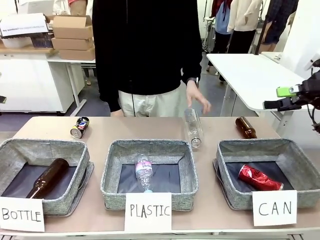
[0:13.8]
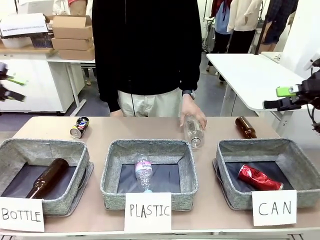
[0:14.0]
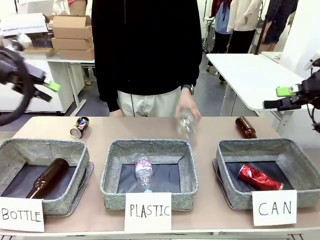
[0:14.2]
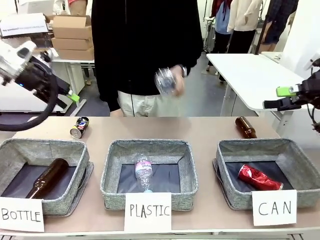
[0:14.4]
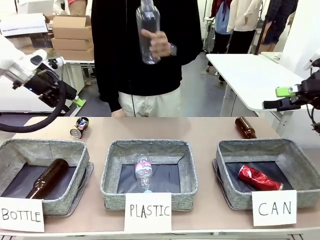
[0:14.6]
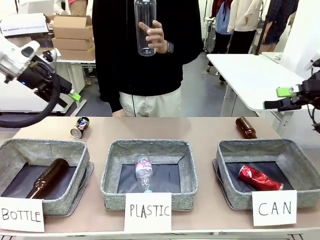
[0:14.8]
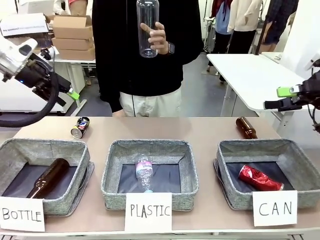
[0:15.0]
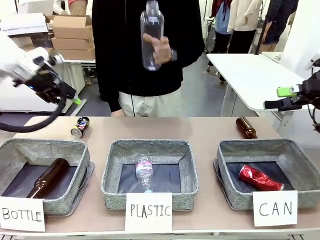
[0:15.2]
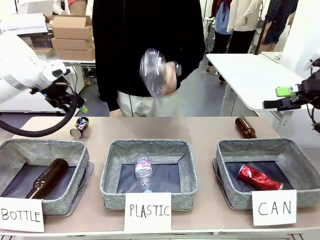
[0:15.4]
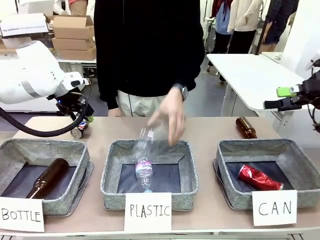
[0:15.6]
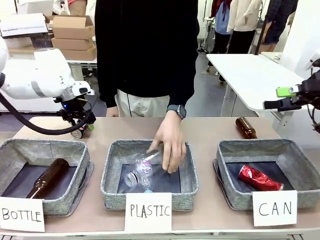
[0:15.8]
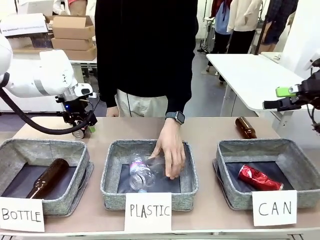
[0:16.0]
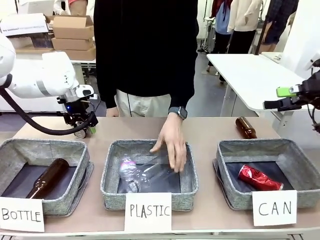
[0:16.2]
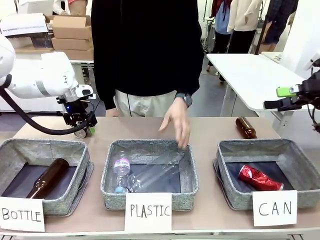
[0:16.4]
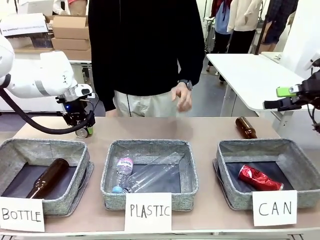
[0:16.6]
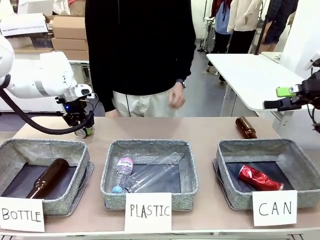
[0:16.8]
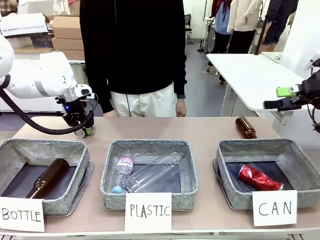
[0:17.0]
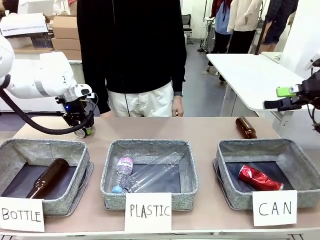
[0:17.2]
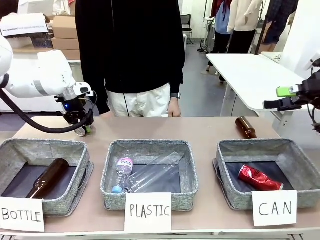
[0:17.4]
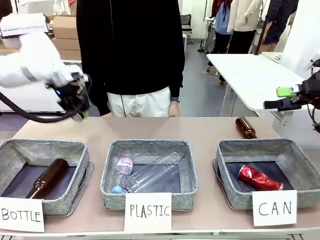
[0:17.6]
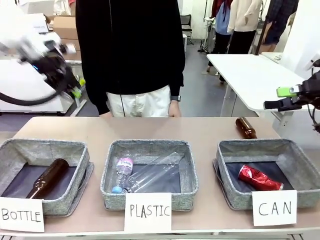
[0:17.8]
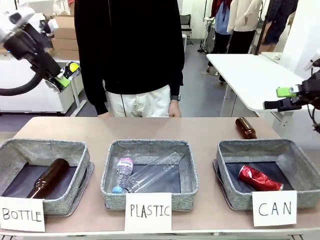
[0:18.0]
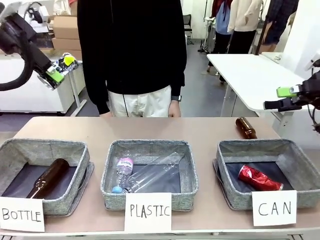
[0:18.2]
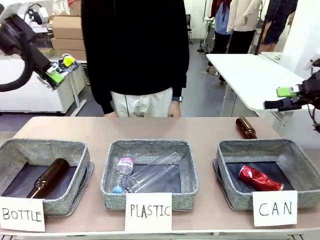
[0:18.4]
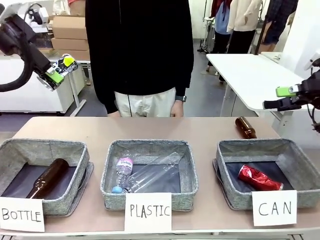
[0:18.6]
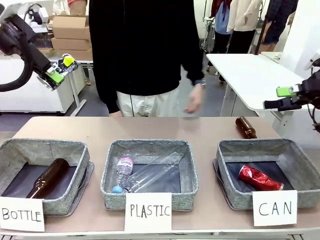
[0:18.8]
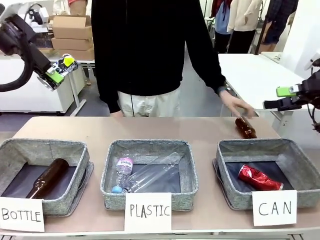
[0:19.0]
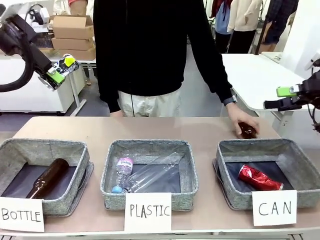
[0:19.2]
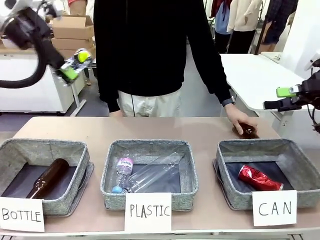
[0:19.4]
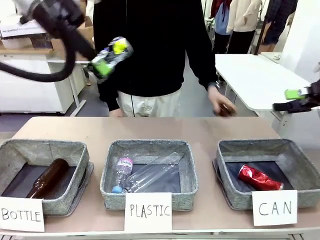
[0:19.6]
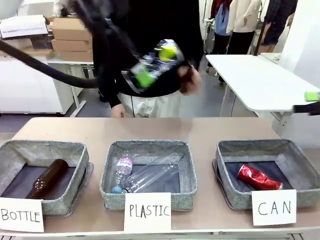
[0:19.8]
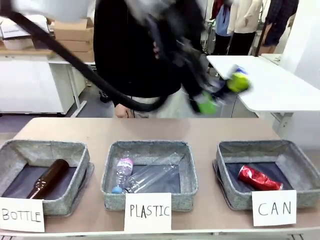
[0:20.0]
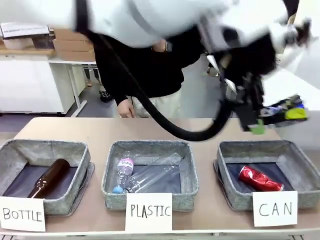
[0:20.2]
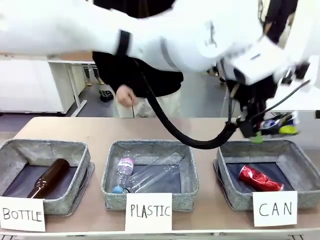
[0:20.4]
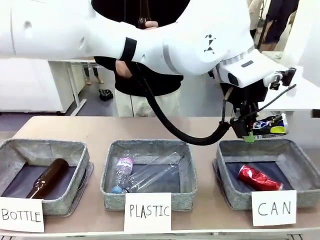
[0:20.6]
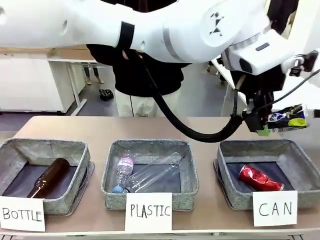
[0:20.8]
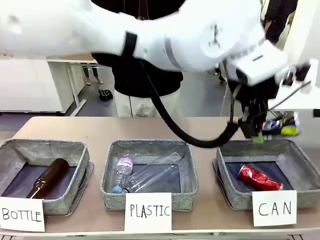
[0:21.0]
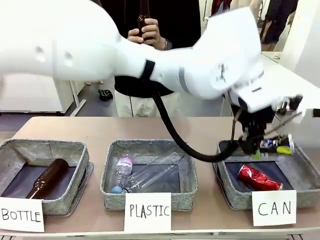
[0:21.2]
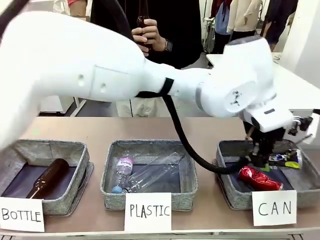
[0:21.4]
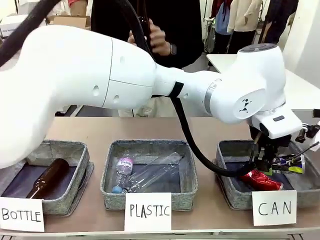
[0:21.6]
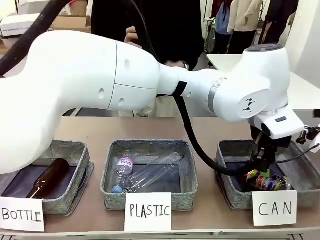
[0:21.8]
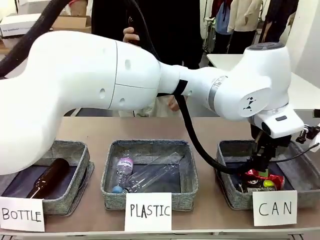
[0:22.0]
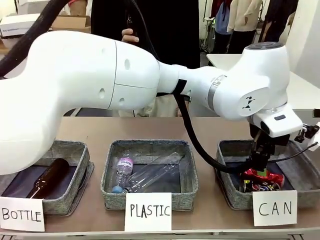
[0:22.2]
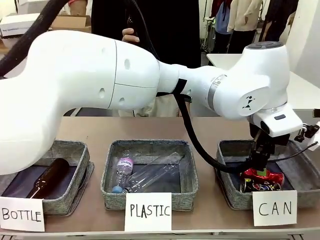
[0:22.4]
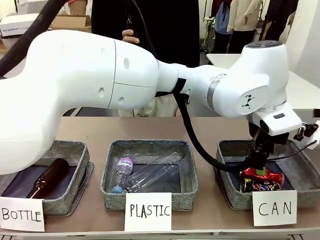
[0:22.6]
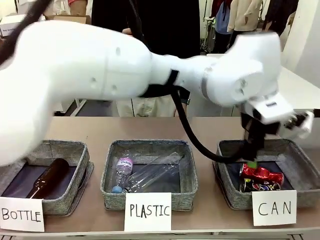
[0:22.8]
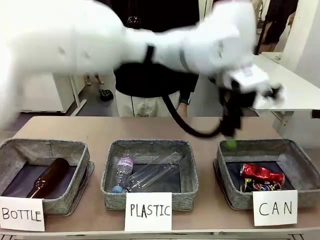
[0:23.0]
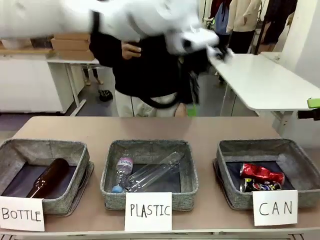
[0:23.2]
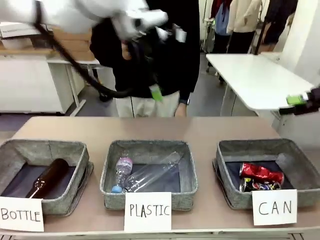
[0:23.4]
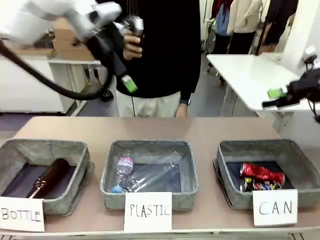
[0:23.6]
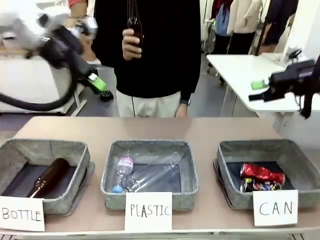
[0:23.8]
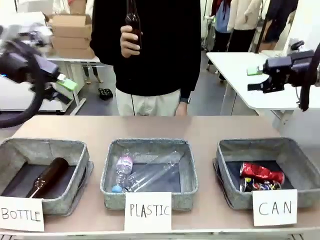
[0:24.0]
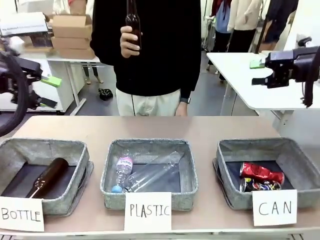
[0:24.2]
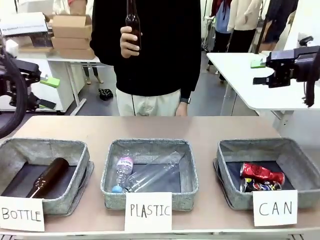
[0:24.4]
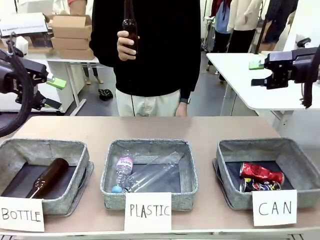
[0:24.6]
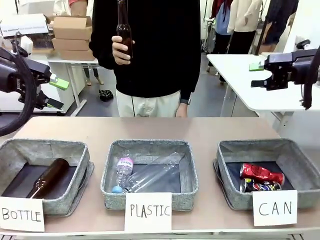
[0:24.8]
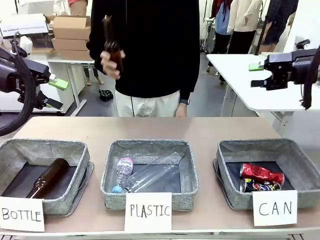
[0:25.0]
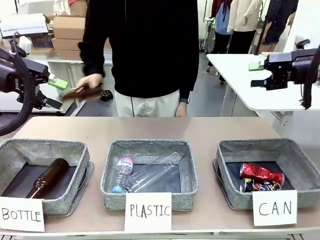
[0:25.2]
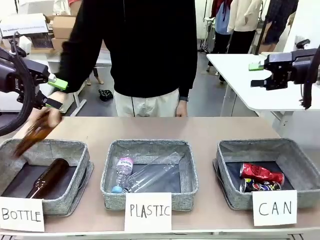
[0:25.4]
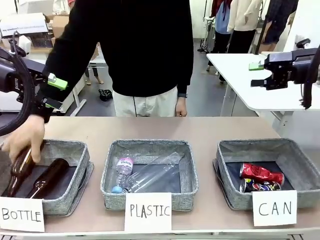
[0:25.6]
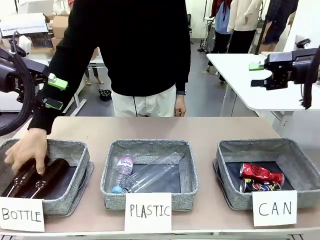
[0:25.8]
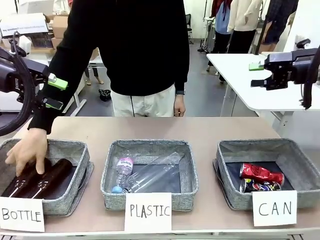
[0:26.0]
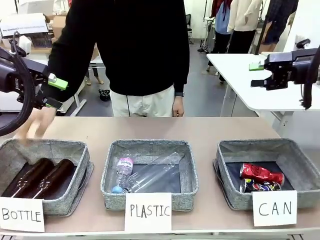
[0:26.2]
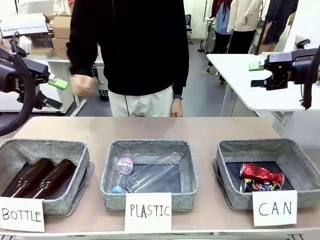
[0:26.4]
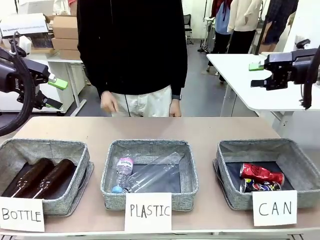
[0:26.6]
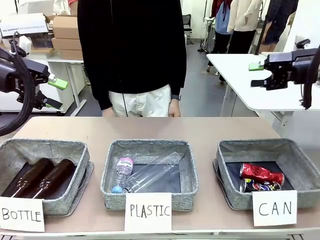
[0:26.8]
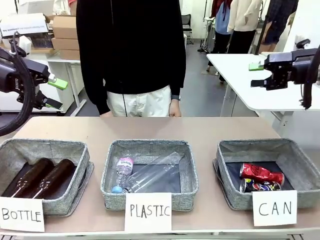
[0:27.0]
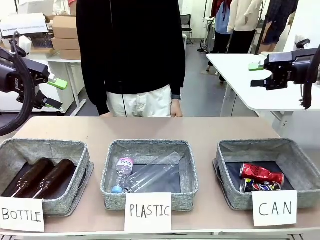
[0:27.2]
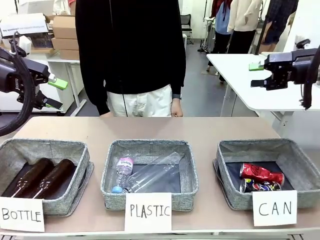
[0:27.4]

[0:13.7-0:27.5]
Task: Sort the can waste into the basket.
Robot: Pick up the can waste from the table and place it in the right Fabric basket.
Person: The human picks up one piece of trash that is not a can and places the trash into the appropriate organizing basket.
